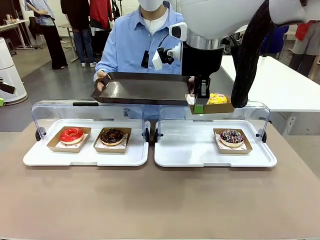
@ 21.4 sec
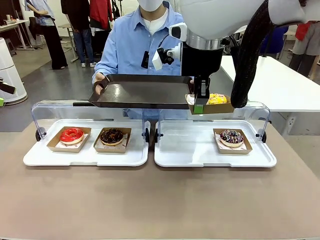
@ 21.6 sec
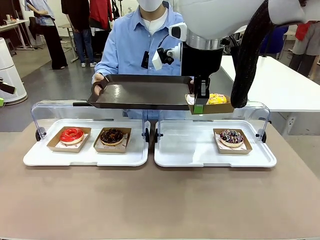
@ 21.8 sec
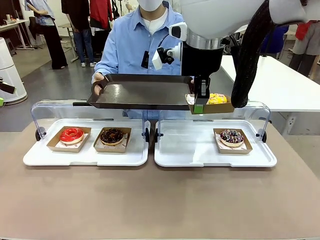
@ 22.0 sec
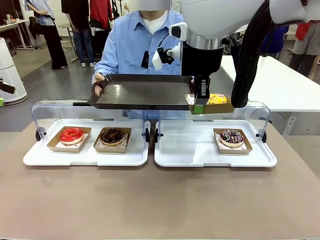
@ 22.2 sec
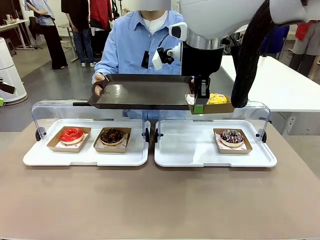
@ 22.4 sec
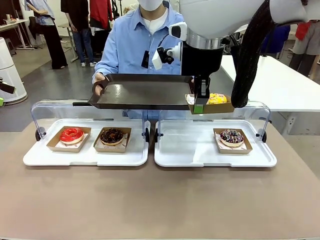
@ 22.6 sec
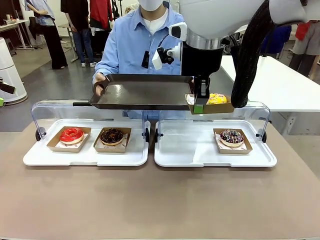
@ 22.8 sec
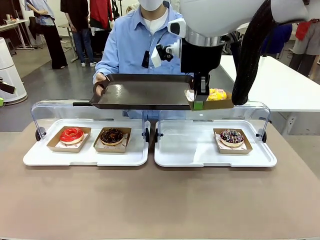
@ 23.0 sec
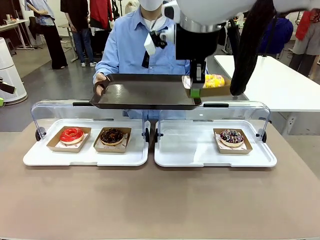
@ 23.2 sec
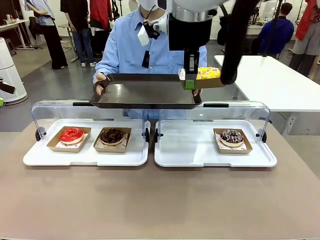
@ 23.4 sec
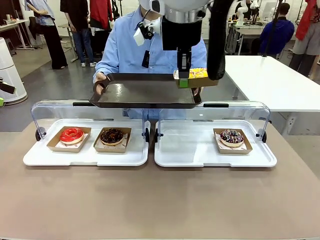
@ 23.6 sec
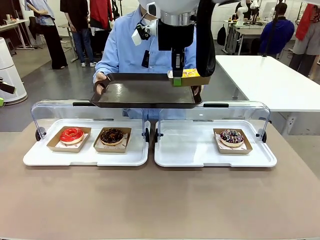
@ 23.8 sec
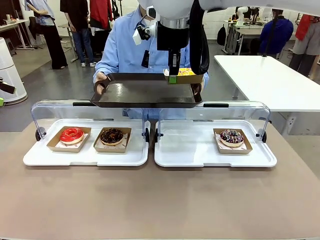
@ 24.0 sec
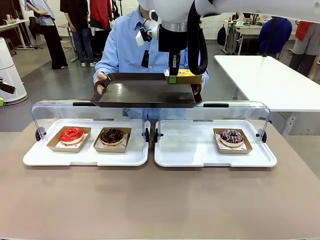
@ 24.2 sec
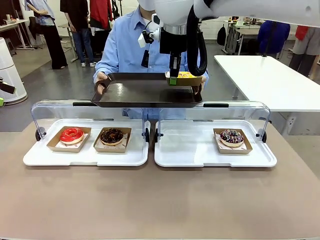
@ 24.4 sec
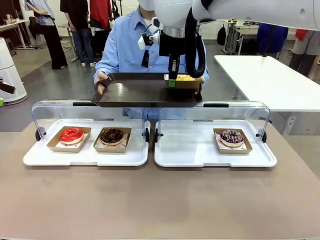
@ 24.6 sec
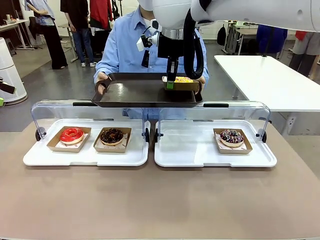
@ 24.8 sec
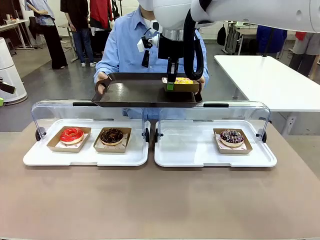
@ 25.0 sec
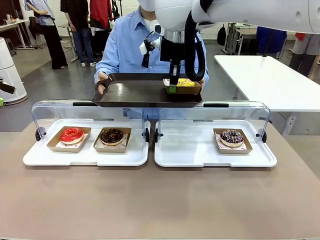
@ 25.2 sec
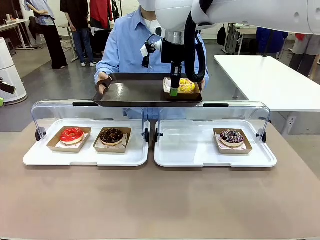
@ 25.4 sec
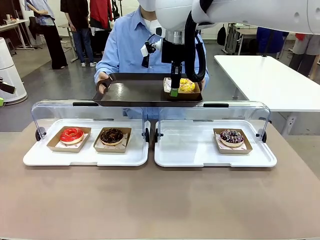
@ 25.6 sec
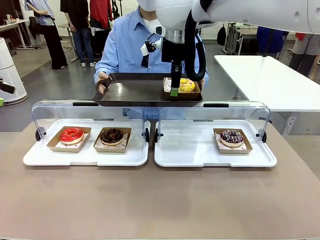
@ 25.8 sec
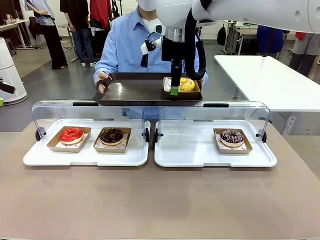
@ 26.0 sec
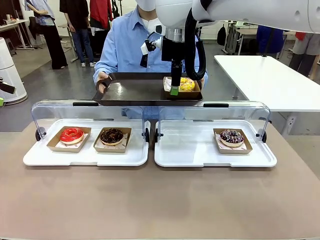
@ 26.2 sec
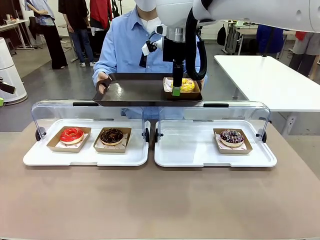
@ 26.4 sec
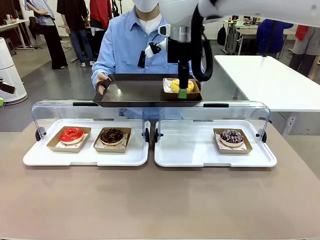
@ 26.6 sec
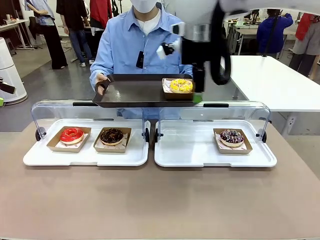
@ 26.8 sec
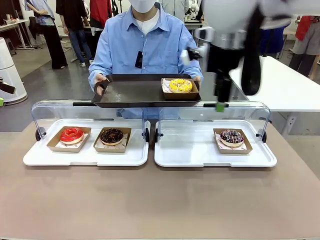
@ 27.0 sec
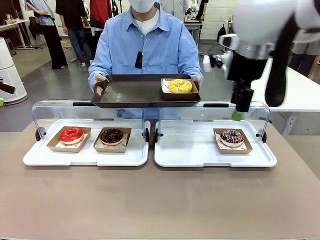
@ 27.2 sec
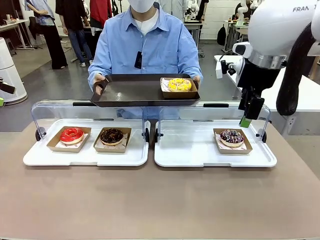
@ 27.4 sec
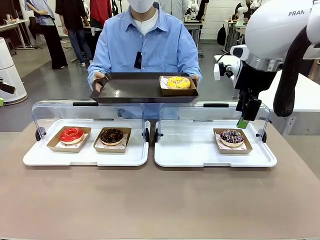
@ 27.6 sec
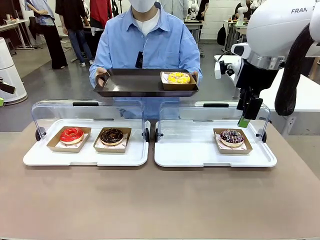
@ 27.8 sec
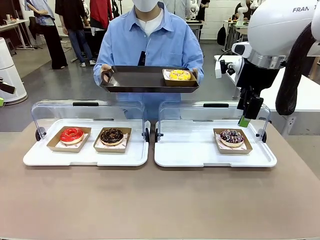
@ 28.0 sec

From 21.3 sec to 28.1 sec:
Task: Provide the desired donut to the person.
Robot: Place the picked Paper togo box onto the Handle tray extended by the person.

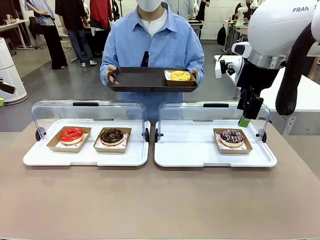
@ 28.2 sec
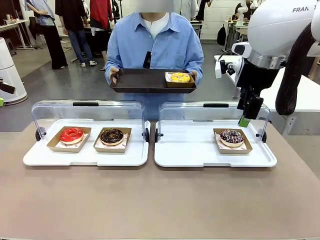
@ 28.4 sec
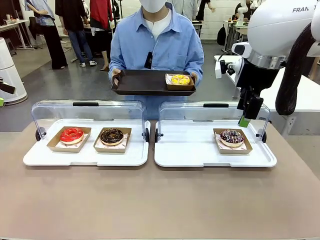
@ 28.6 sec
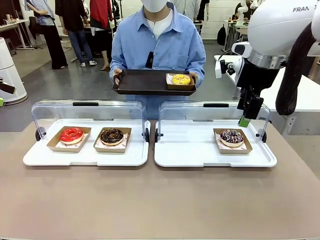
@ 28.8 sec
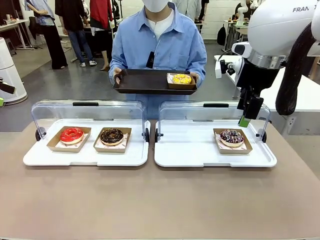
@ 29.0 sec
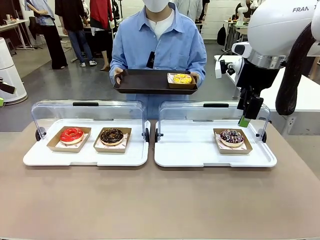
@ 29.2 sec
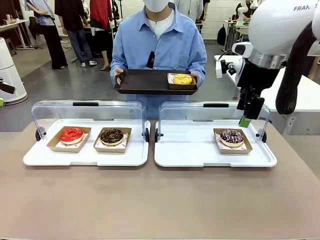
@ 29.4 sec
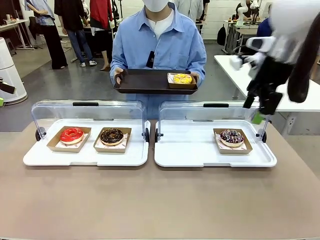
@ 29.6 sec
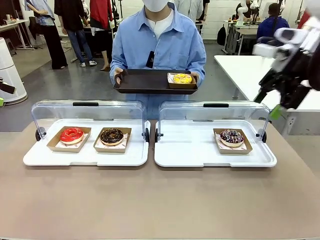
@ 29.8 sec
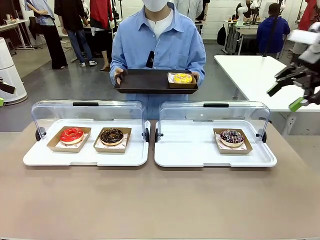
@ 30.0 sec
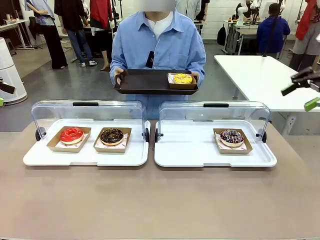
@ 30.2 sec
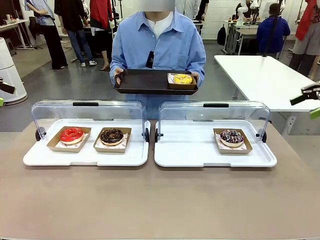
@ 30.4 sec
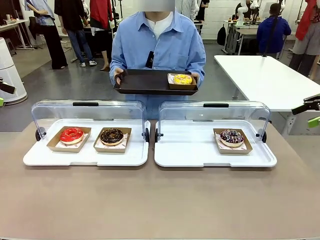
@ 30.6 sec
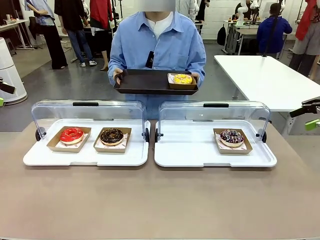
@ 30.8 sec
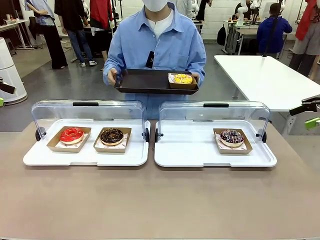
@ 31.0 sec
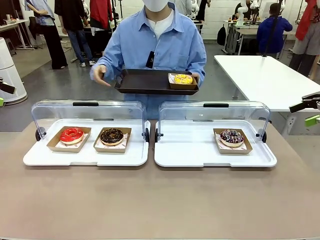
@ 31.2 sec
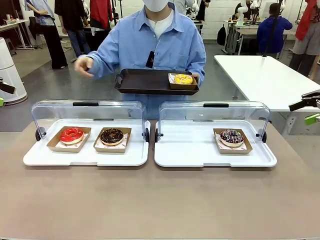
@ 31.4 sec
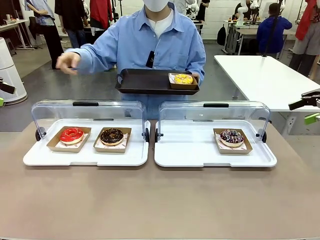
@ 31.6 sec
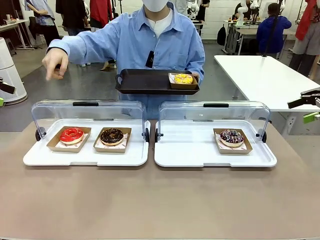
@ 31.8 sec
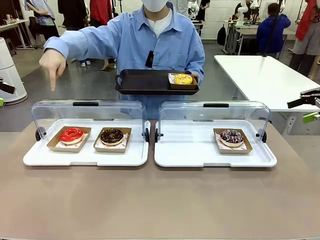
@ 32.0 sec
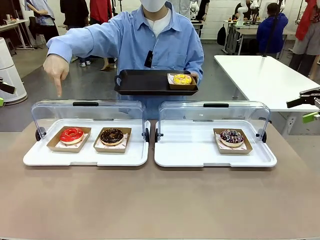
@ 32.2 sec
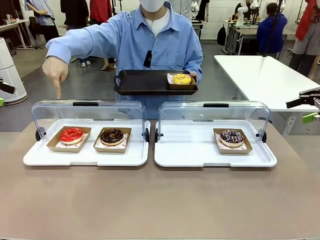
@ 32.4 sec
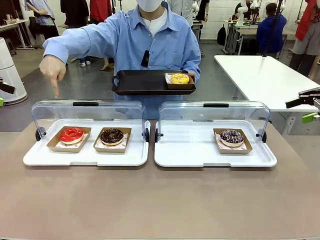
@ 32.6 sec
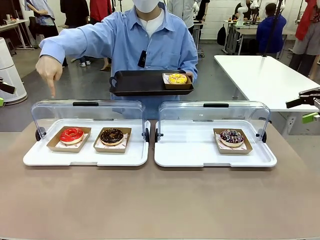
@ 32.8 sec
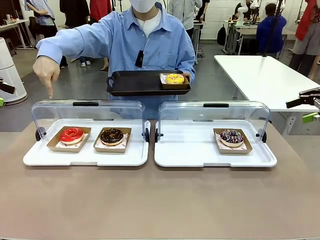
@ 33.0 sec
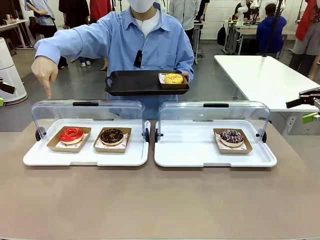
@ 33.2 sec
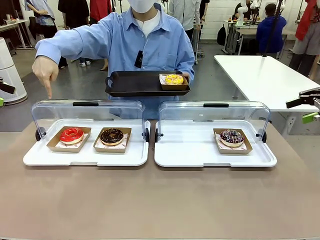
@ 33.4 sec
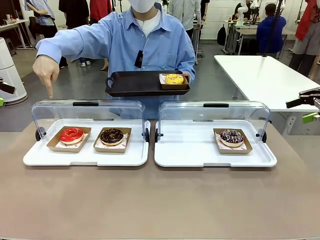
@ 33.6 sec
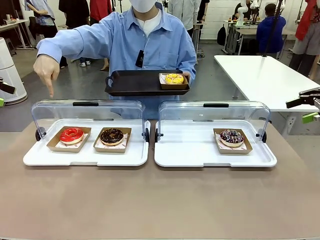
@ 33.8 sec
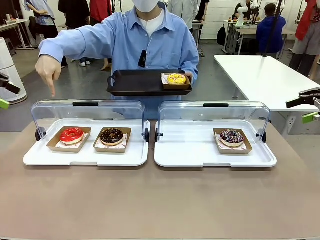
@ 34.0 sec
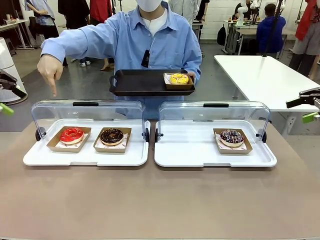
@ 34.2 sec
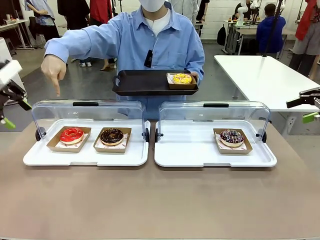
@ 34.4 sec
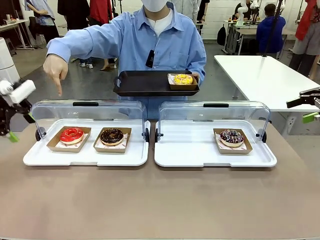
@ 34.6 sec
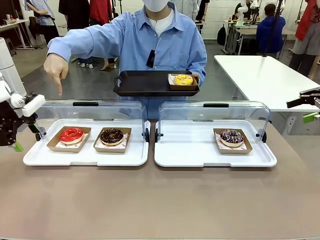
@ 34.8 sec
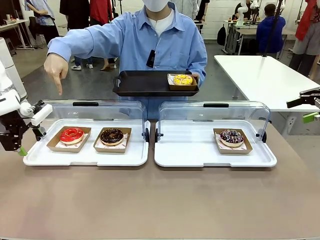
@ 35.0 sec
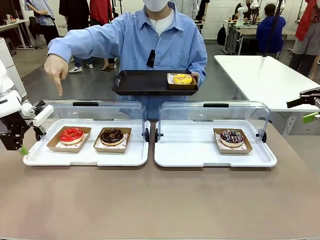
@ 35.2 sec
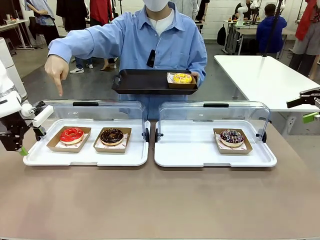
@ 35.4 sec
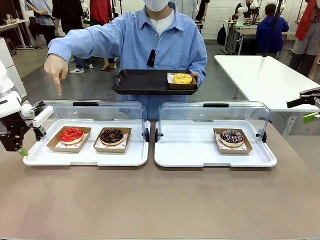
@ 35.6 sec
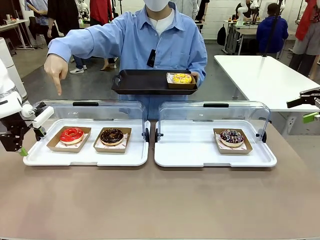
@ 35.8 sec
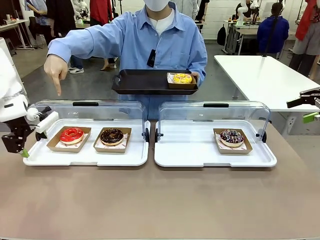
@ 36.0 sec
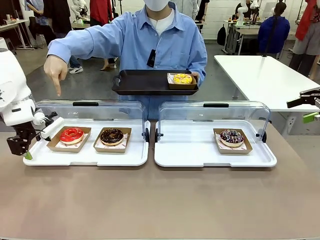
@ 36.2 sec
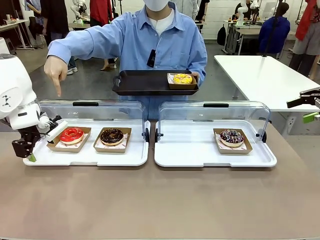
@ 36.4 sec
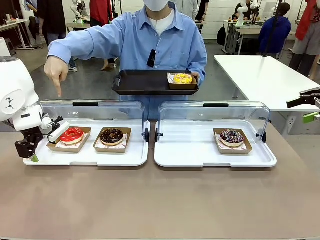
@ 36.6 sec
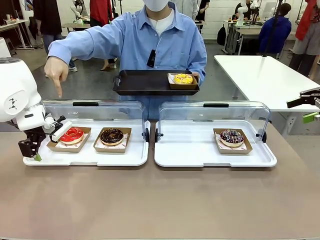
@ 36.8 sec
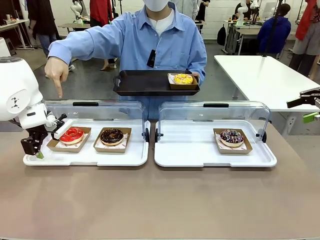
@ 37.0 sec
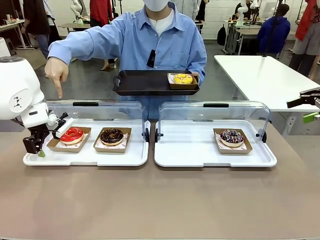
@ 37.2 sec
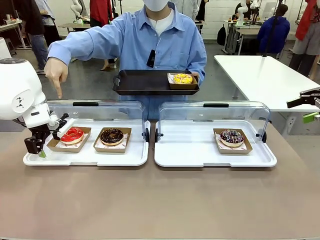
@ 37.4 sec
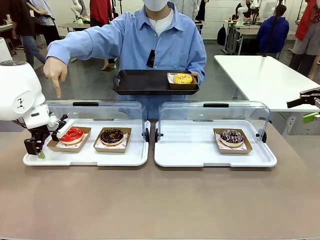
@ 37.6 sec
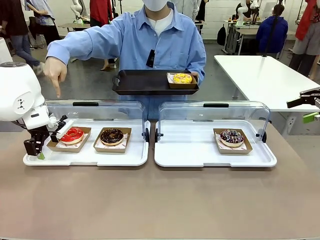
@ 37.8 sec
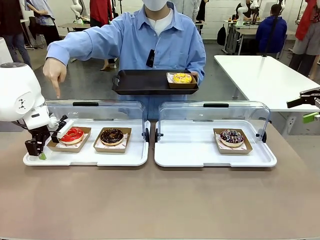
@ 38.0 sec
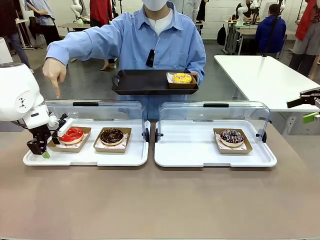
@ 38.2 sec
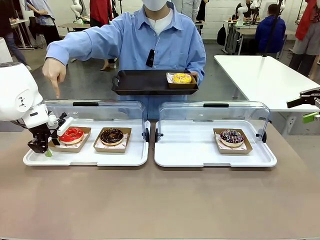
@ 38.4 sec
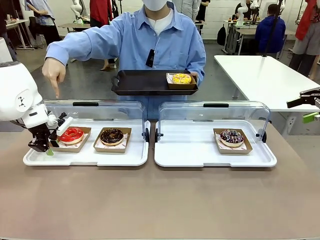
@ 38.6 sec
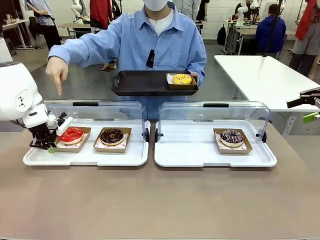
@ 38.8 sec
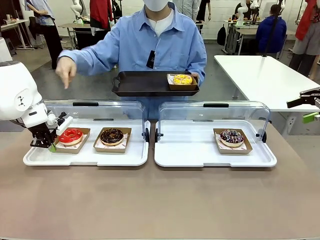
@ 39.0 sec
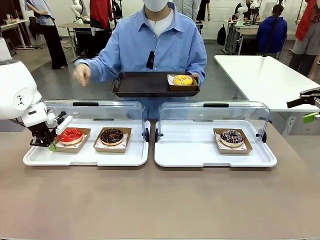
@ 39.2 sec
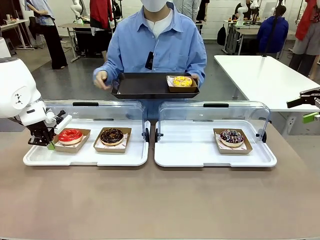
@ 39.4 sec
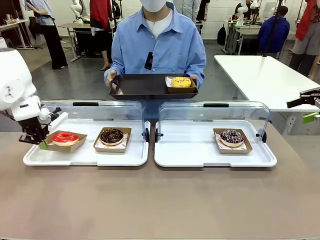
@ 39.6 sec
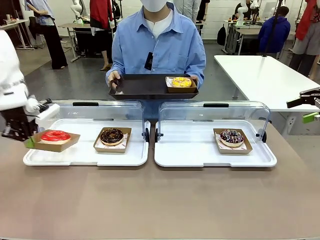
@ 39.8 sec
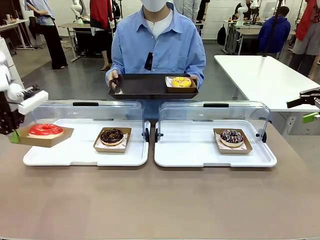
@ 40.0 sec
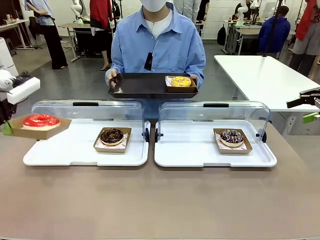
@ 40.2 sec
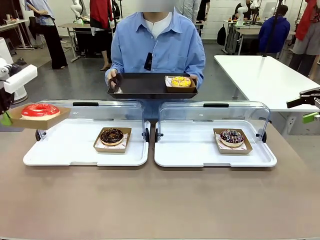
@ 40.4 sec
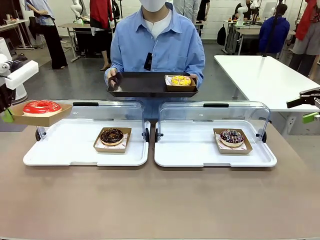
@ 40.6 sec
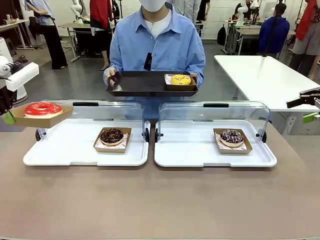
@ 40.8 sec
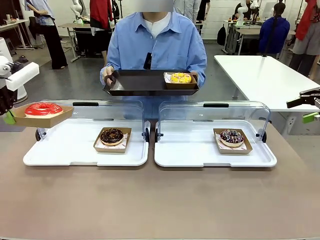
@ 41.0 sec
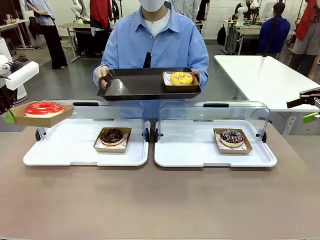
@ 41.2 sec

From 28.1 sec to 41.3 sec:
Robot: Pick up and lift the Paper togo box containing the Donut pointed at by the person.
Person: Point to one donut. Lift the tray onto the Roll-Top Bakery Case.
